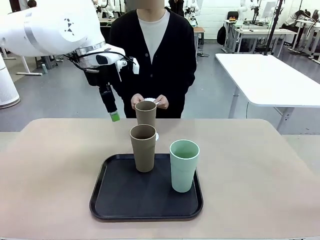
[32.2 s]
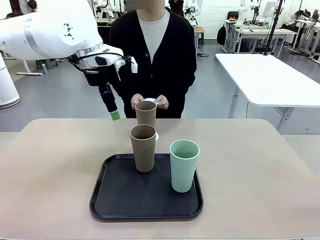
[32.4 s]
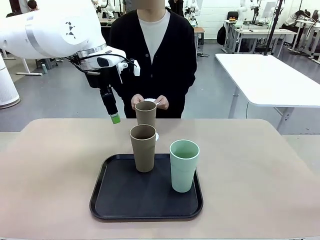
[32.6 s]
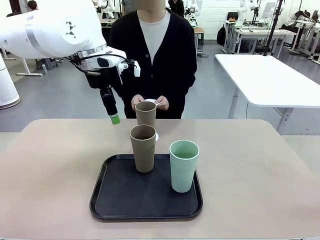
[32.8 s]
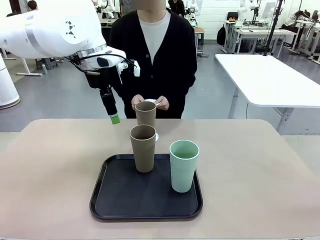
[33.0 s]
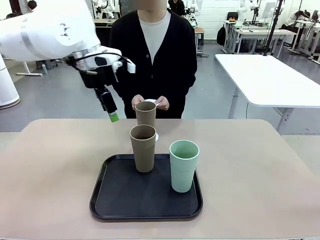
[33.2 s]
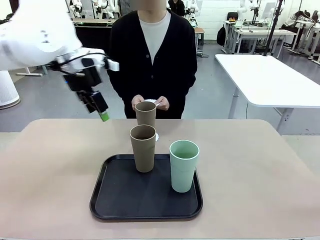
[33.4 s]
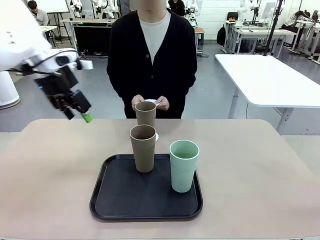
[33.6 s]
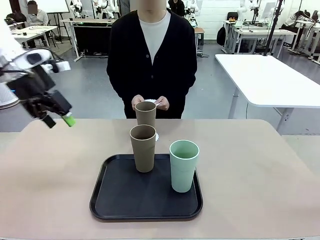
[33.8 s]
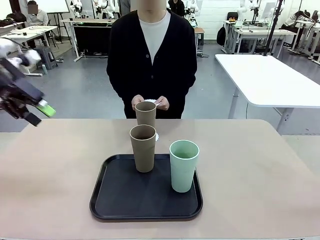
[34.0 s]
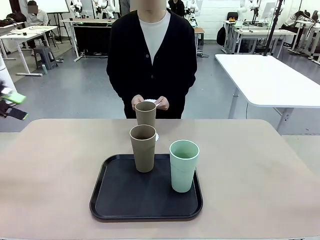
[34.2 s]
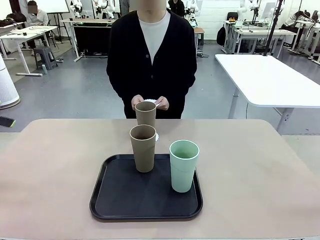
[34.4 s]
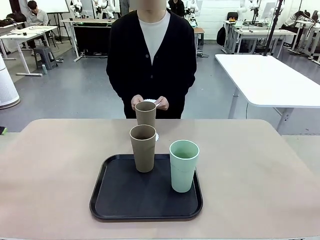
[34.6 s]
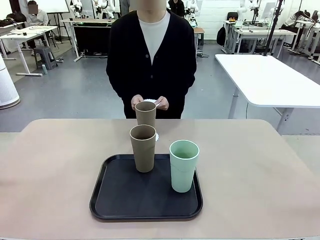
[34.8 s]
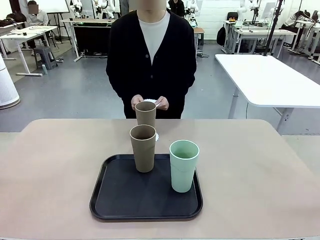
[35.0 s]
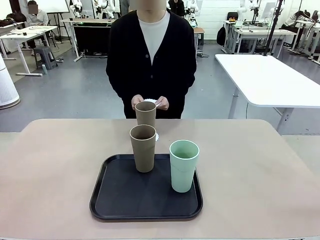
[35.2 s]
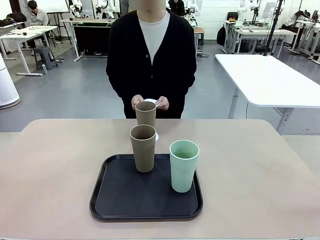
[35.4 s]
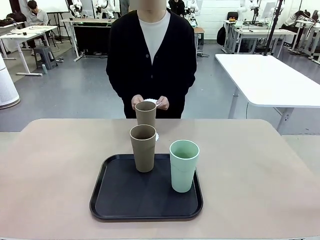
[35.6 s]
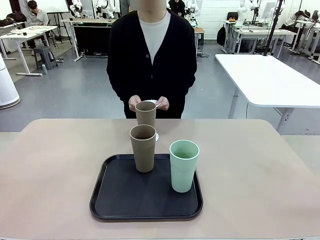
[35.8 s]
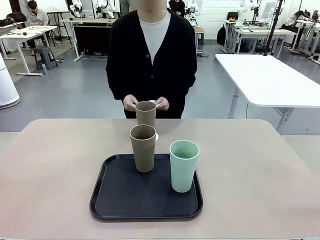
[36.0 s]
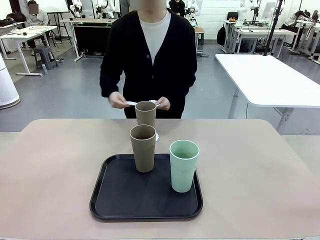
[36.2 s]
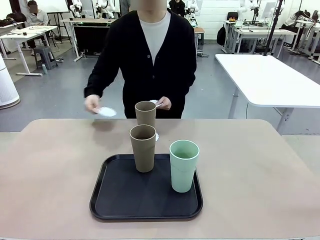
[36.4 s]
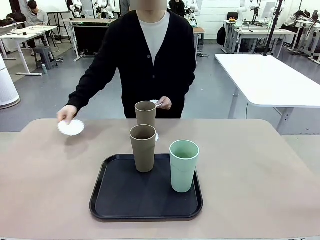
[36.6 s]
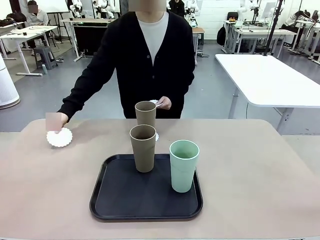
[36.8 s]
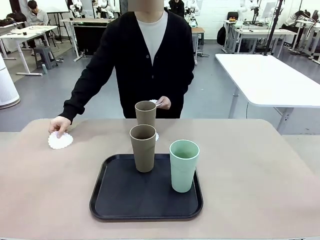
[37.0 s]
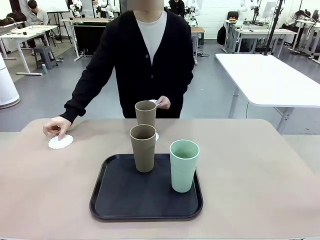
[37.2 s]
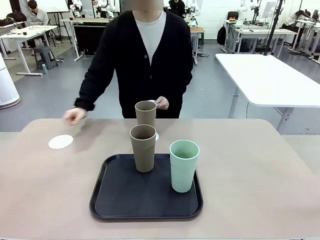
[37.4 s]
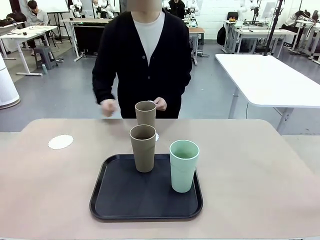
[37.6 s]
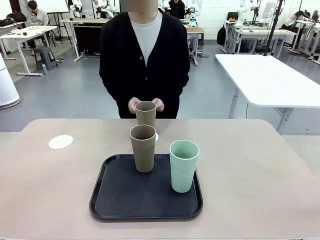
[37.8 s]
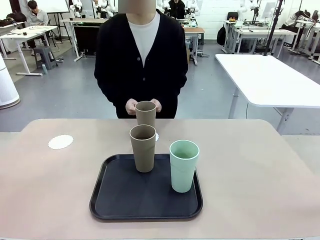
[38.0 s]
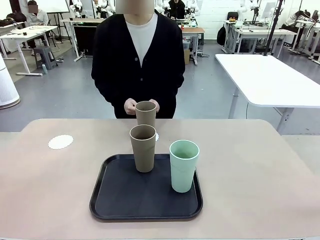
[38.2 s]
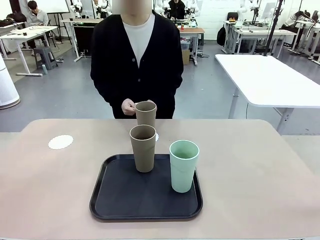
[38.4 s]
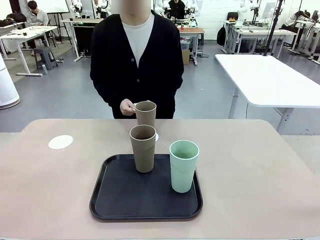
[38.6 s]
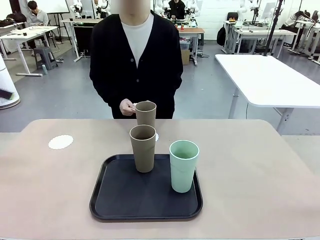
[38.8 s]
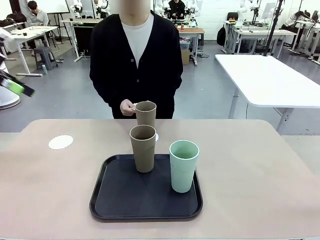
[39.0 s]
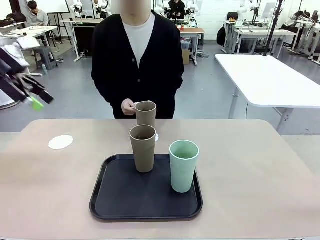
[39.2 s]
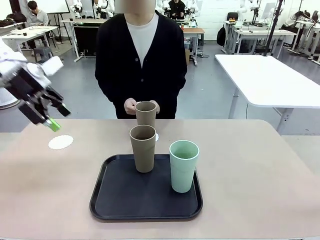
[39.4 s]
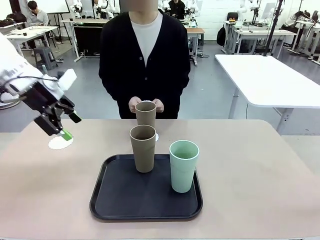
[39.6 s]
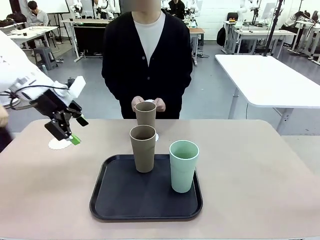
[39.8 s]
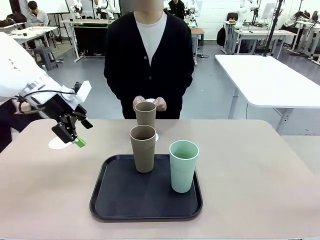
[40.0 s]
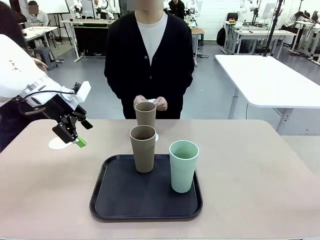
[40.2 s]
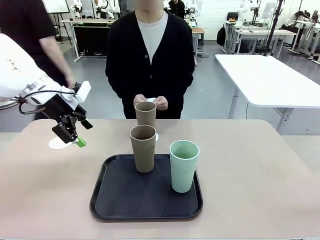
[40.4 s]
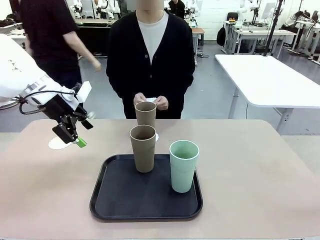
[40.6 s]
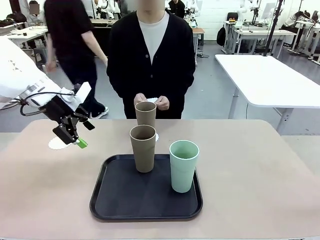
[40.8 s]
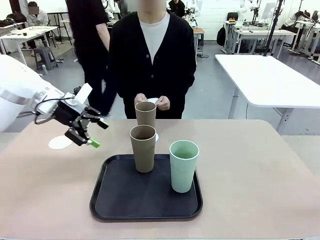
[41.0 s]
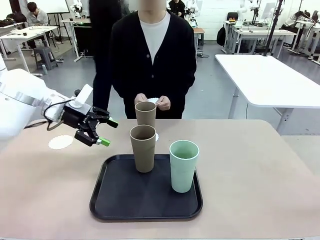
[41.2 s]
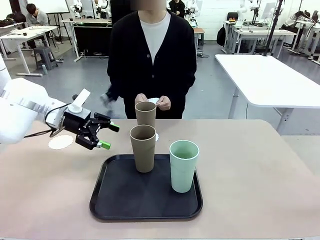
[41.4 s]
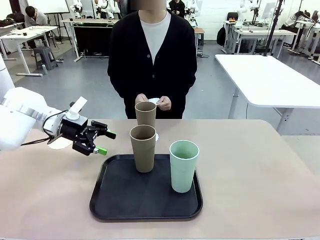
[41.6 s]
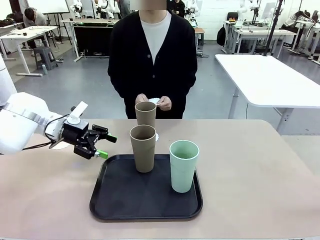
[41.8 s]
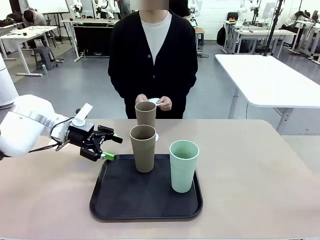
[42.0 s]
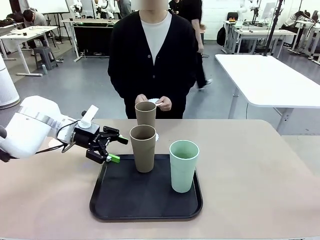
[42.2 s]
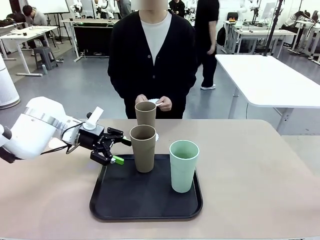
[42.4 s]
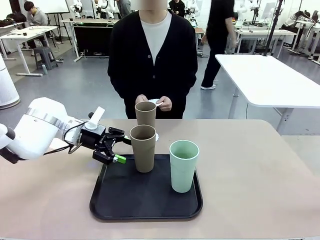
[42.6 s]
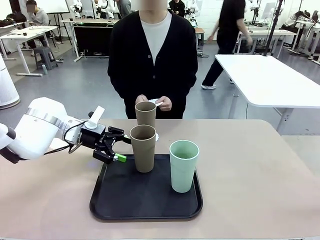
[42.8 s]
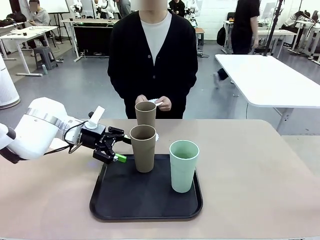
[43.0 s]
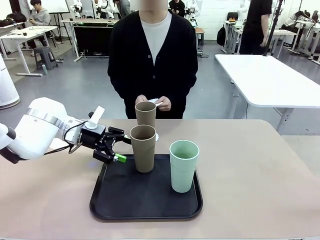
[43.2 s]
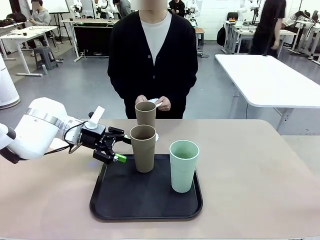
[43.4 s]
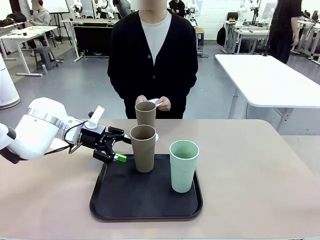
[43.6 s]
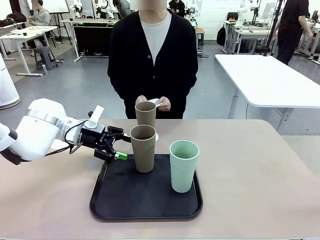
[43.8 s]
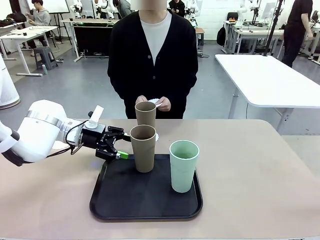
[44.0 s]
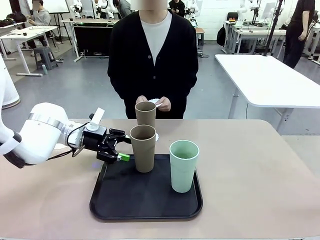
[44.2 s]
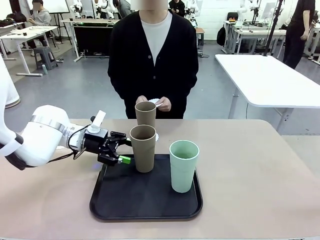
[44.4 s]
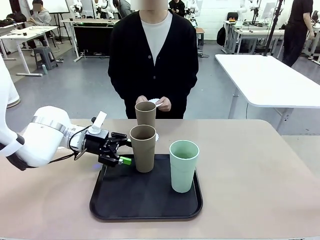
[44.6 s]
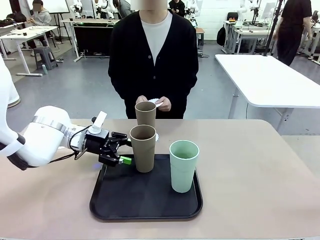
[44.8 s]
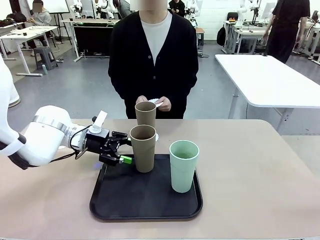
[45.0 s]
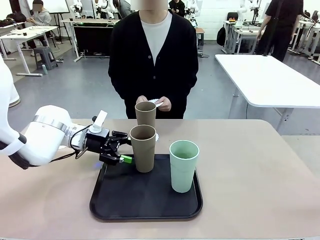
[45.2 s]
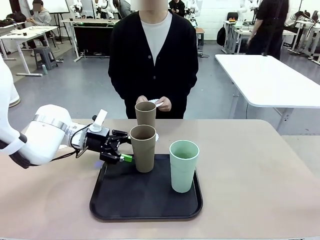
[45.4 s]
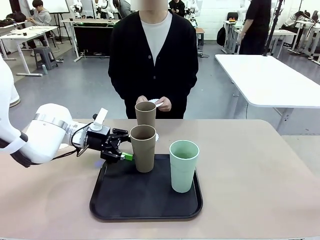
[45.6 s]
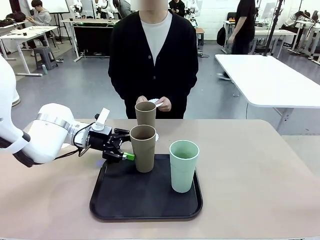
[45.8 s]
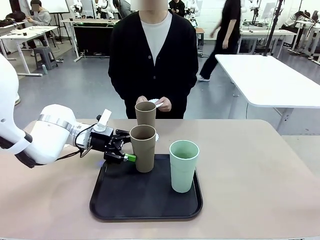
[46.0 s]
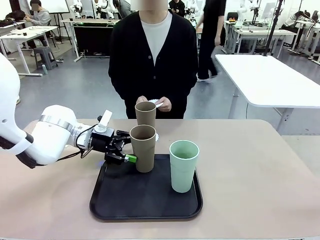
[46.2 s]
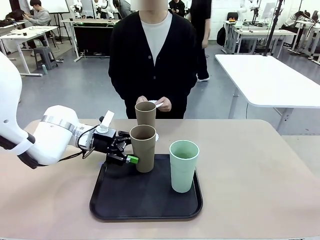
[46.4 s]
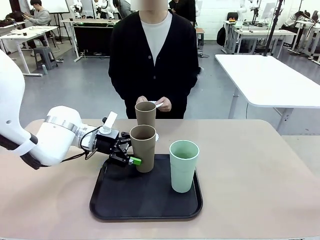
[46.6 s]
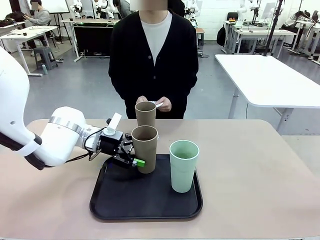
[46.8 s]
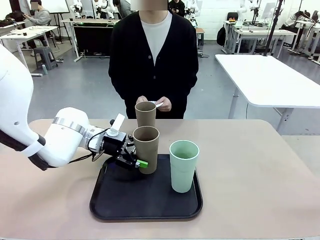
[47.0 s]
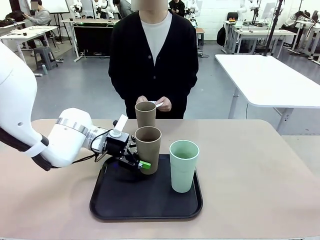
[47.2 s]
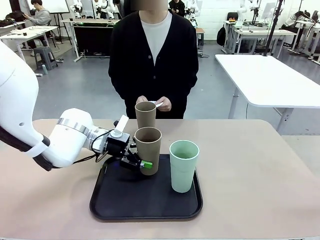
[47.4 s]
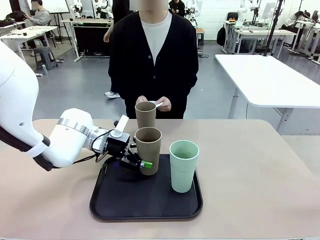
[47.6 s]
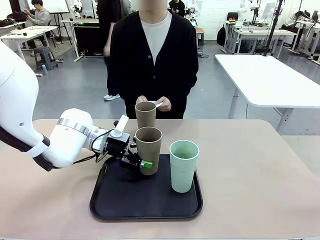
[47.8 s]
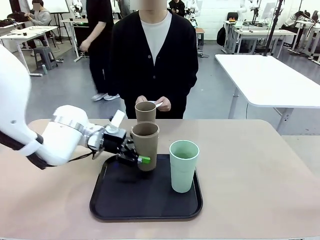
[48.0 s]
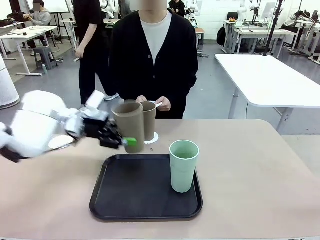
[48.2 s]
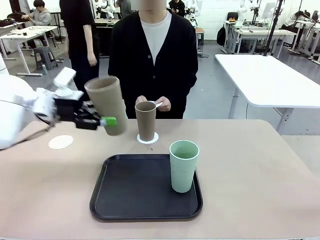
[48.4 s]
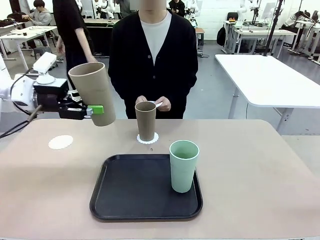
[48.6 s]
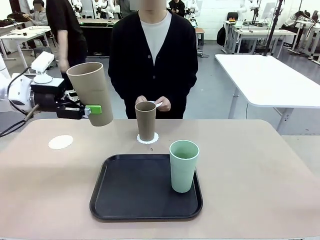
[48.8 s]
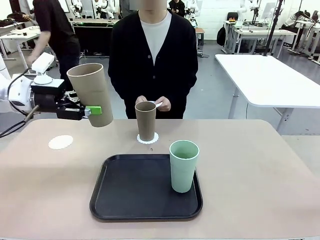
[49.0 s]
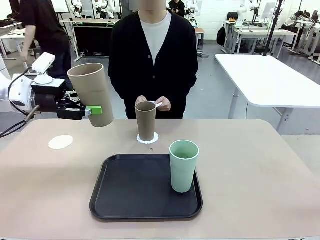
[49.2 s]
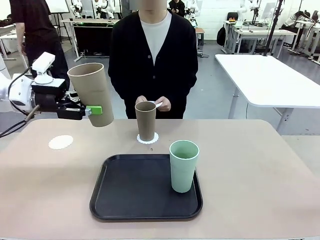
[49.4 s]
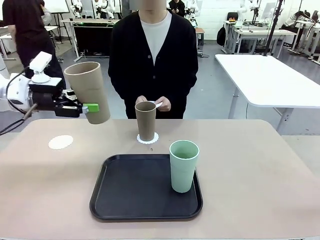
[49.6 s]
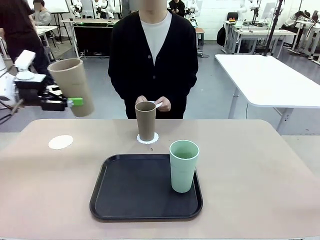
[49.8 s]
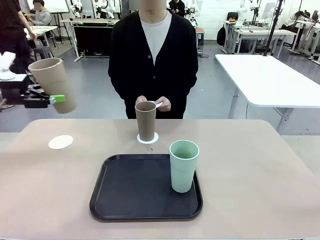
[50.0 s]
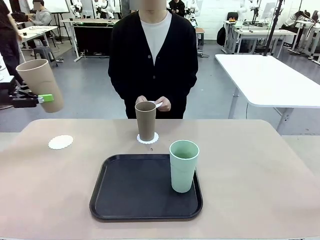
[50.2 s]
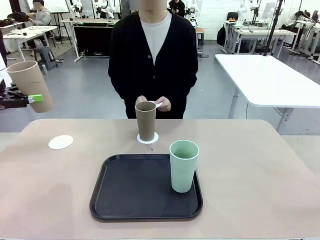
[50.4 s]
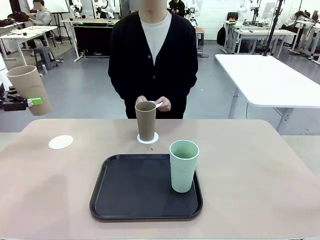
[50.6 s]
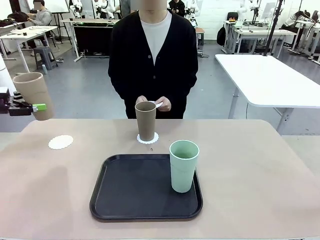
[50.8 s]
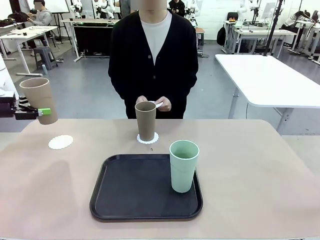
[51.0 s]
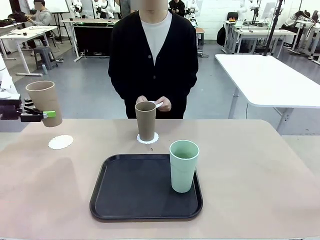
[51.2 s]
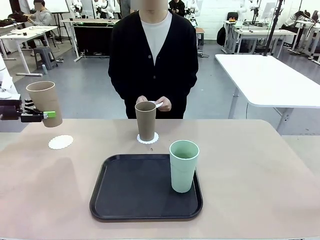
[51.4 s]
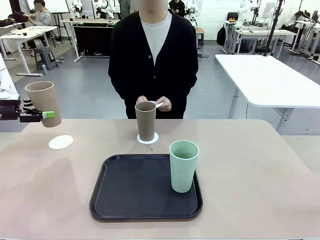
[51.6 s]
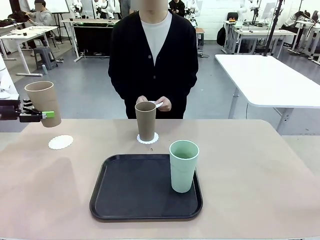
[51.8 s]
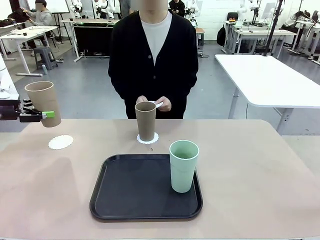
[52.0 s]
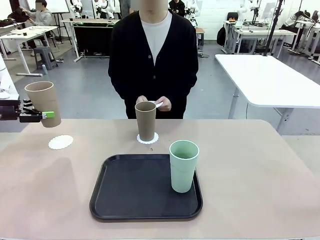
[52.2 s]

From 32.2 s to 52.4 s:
Task: Place coasters on the table and set cups on them.
Robot: Take one Reusable plastic cup from the Flat Tray and place it on a coaster set by the human.
